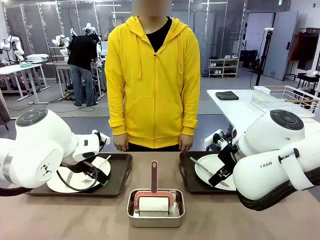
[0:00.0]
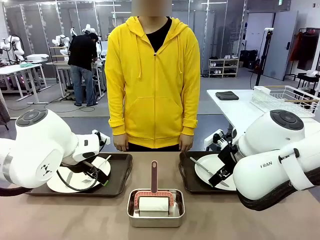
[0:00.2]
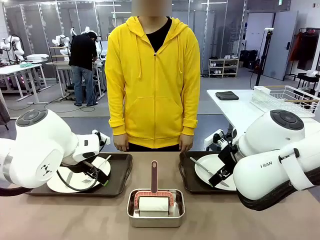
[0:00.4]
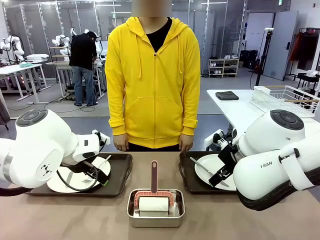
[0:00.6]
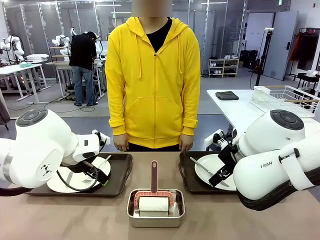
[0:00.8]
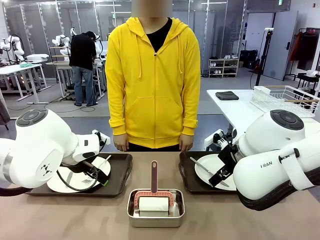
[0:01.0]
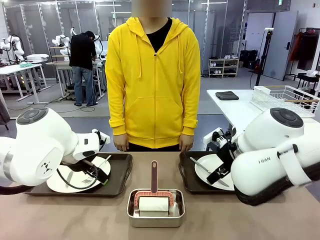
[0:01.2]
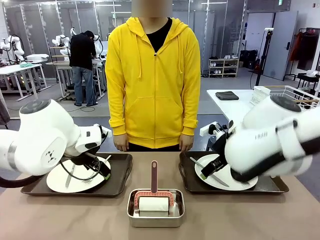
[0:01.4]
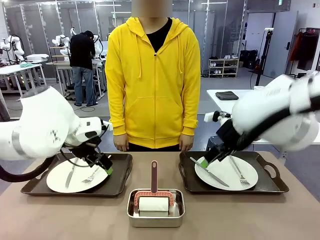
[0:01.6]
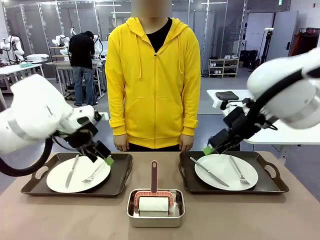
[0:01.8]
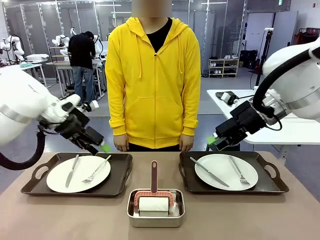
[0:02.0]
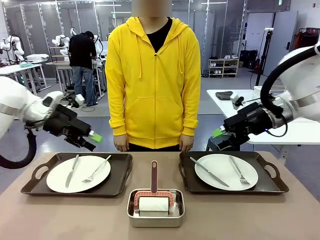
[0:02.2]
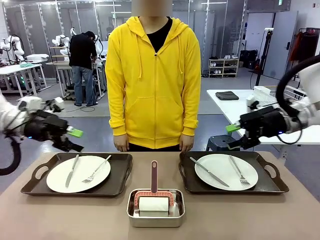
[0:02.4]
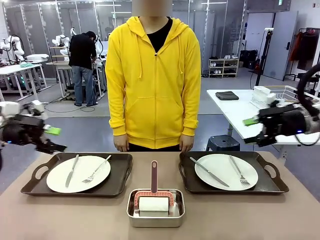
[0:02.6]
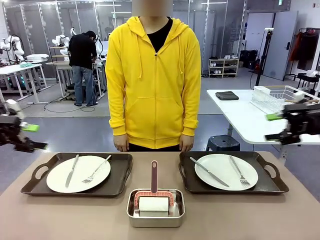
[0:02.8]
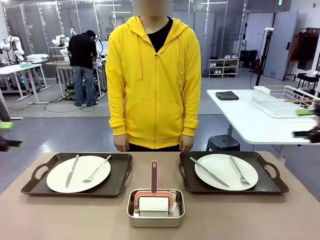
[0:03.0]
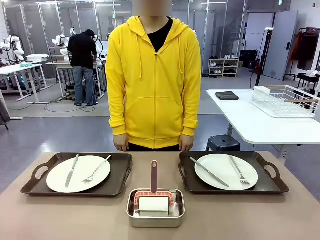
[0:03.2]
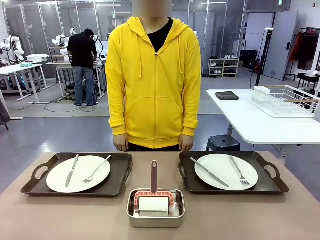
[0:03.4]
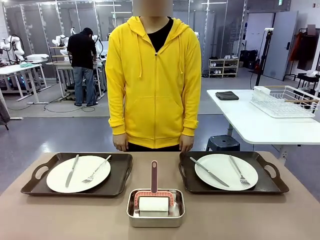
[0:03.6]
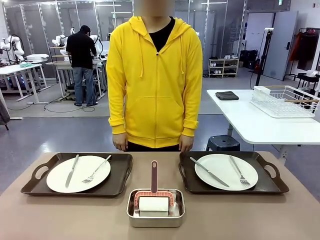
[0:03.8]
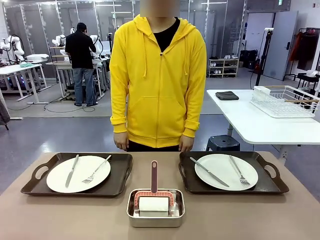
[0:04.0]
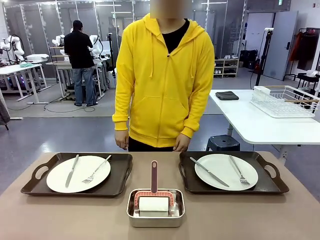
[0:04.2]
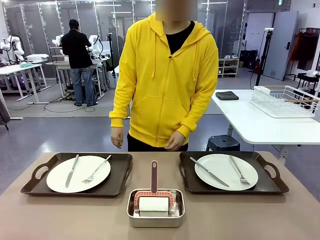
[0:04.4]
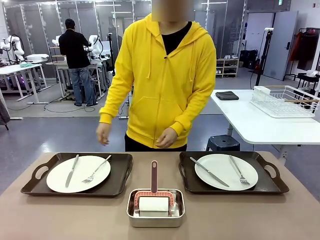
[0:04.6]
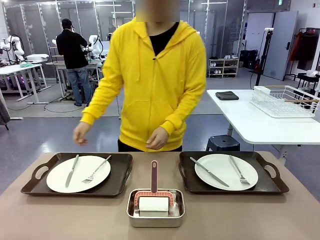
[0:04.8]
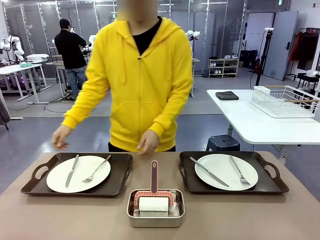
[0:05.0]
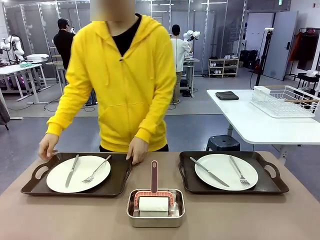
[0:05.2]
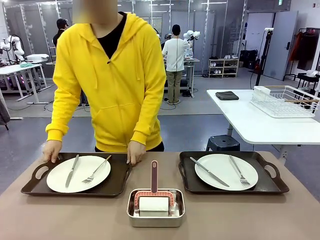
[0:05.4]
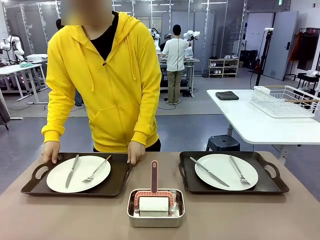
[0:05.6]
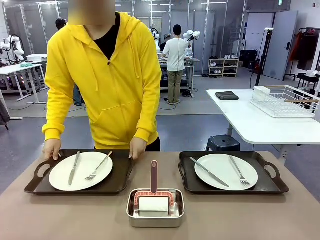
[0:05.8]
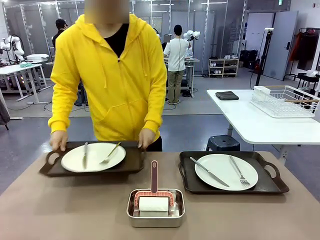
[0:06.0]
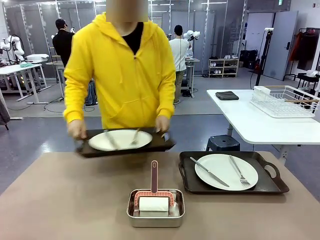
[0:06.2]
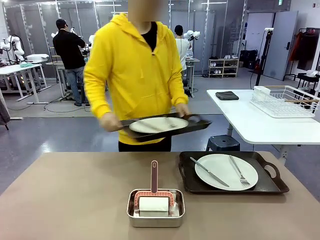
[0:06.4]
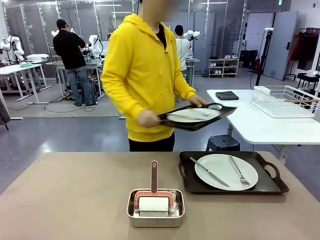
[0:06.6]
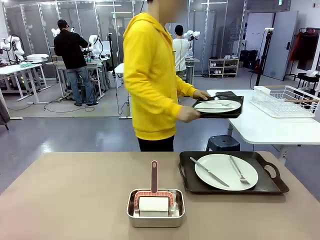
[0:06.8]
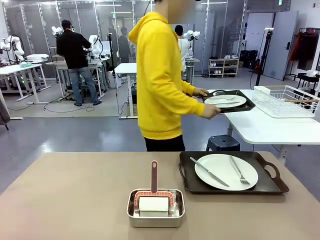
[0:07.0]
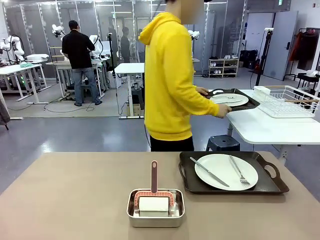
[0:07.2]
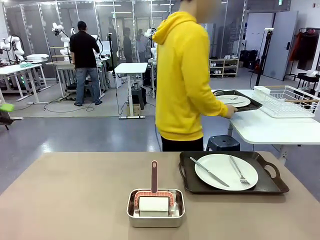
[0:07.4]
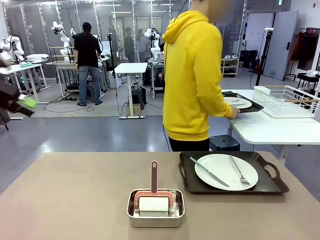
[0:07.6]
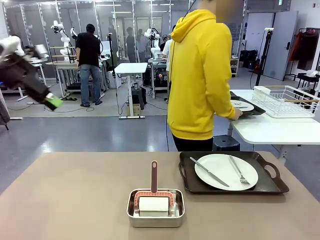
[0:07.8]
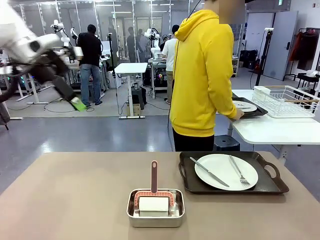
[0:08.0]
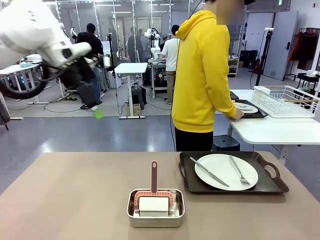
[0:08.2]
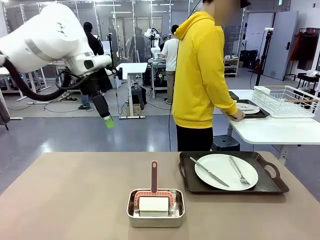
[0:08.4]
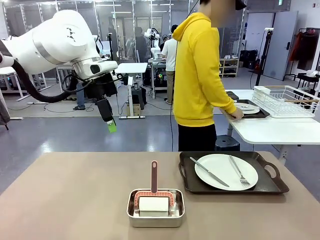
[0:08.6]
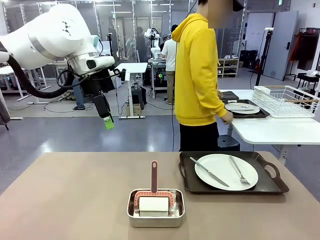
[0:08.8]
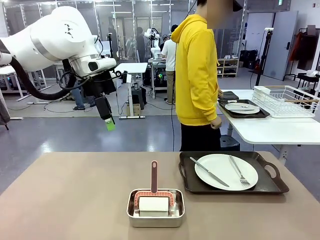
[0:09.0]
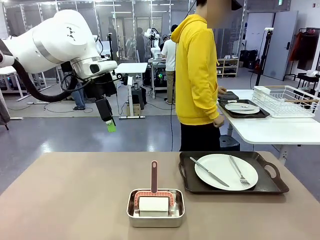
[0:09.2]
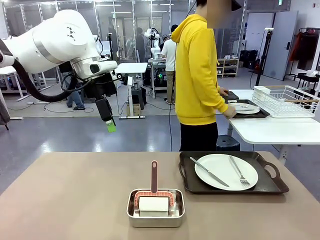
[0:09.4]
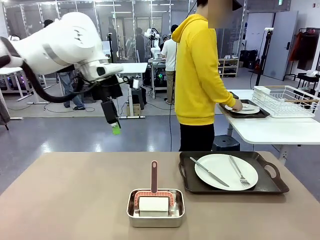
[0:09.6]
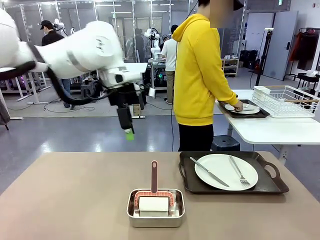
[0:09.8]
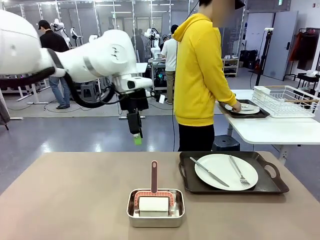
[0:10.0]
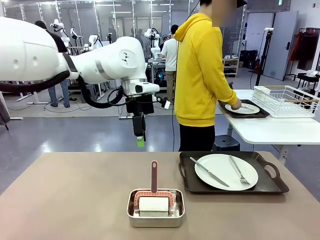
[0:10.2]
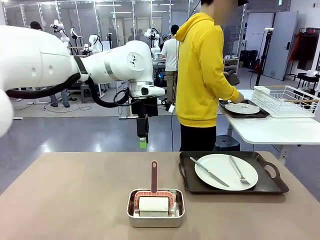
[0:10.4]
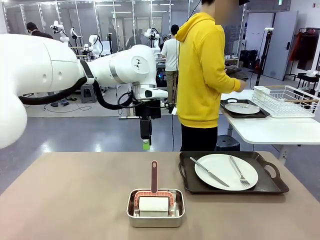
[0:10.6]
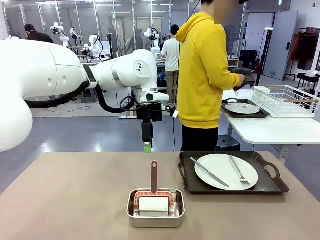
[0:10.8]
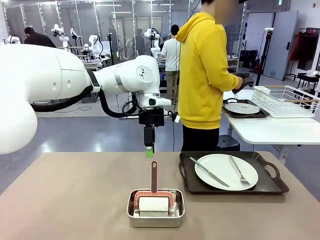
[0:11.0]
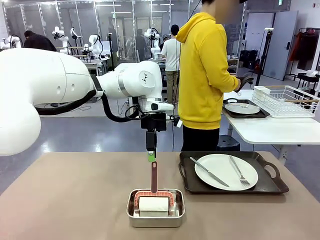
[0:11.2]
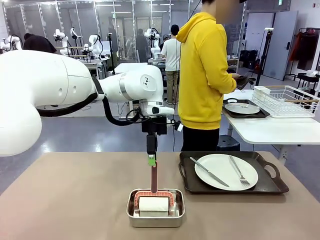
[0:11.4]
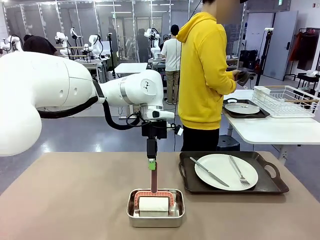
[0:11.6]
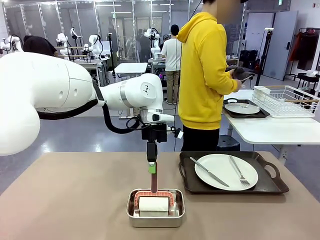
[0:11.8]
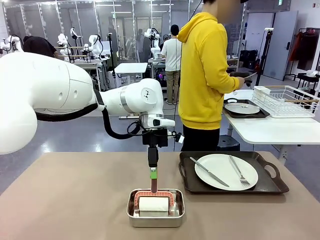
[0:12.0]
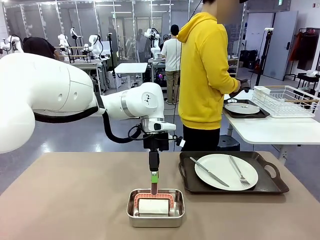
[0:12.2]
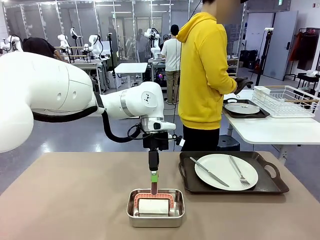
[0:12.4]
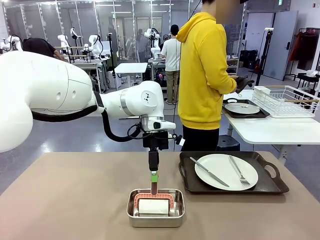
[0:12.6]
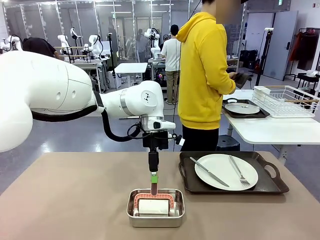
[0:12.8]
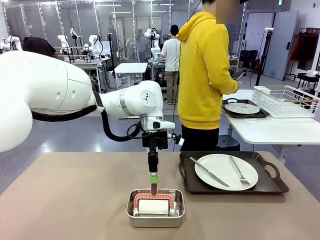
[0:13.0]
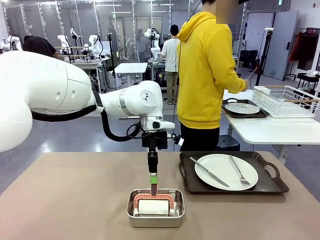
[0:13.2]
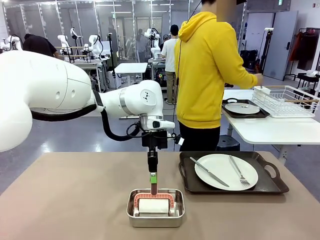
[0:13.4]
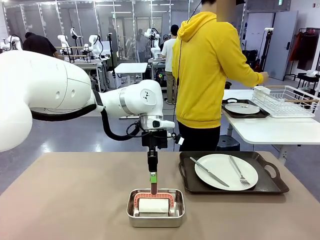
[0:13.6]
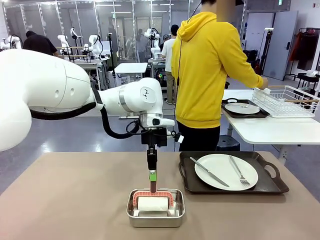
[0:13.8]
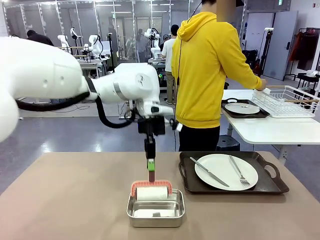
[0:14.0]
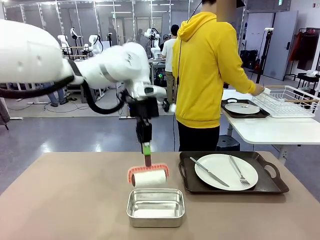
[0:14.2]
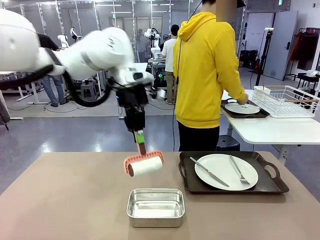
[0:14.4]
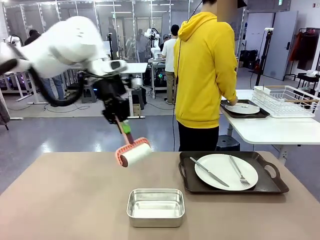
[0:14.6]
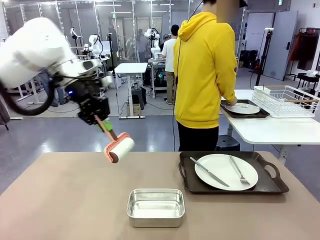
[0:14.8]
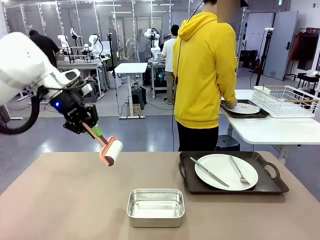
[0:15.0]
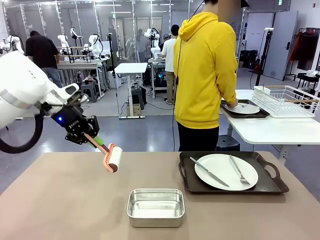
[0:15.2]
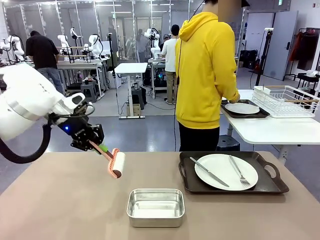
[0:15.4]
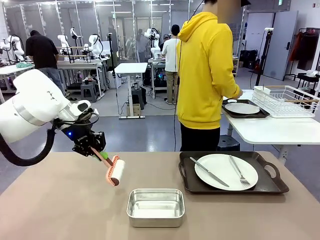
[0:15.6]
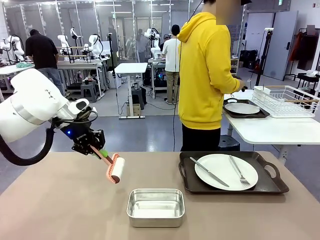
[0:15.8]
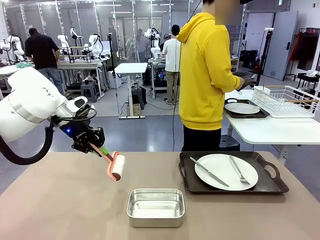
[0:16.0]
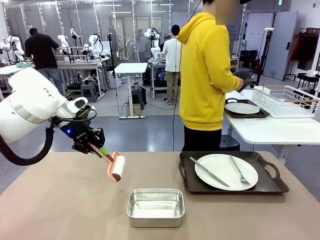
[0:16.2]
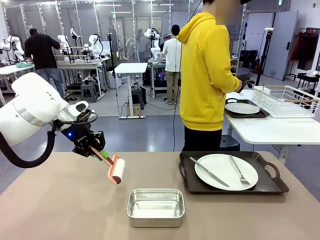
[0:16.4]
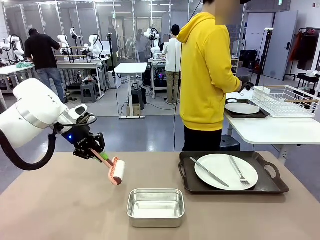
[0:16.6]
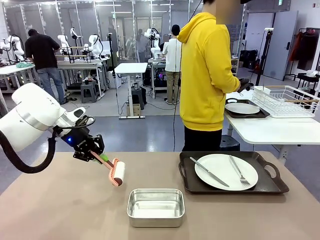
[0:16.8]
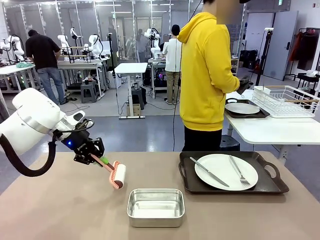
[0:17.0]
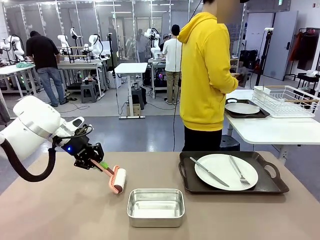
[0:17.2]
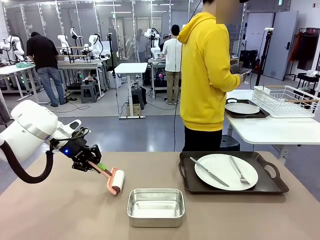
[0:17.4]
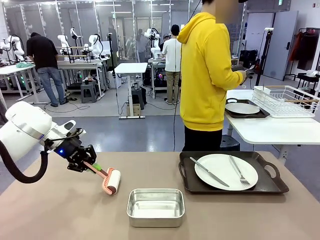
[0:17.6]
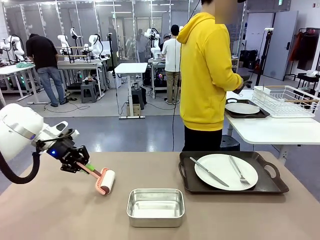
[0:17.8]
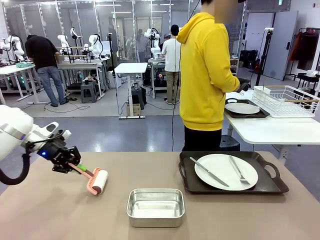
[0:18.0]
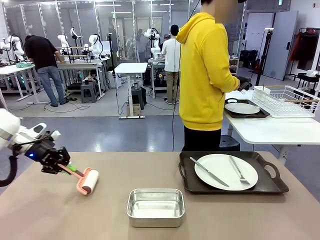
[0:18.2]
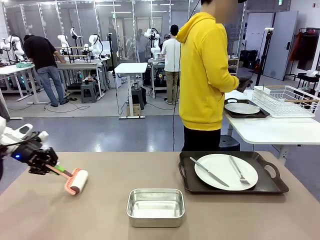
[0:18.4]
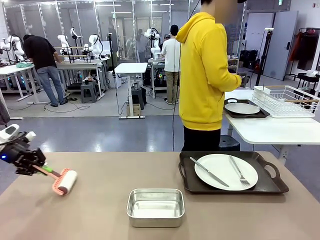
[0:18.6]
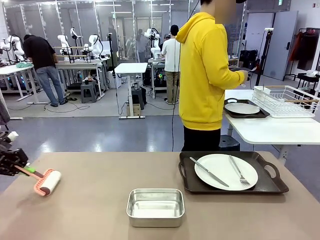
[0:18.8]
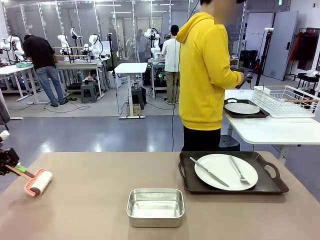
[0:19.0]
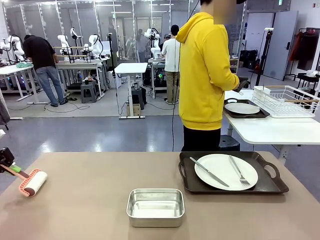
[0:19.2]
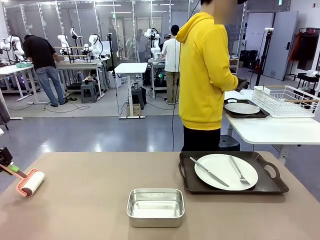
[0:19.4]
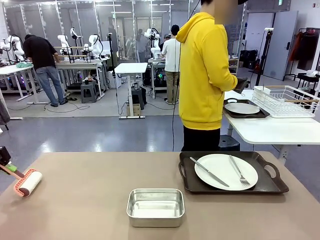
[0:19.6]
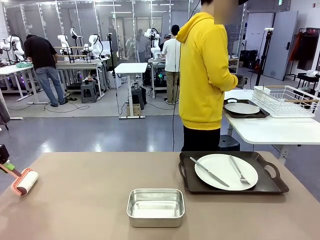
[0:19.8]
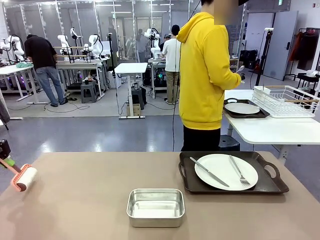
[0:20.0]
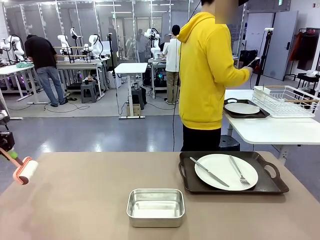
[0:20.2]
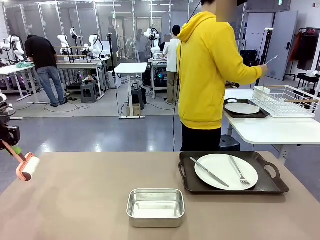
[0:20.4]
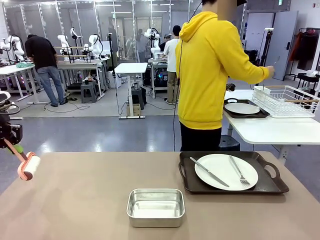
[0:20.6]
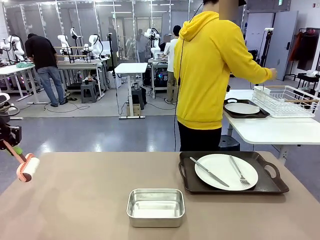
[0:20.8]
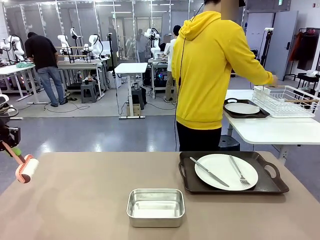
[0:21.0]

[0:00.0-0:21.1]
Robot: When the left (or right) Handle tray is removed, use the left hand (or right hand) to clean the left (or right) side of the table with the Lint Roller.
Person: Pick up the left (or right) Handle tray and place it on the middle of the Human's table. Use the Towel with hook to wipe the Plastic Matte Plate , Fork , and Knife and place into the Dish drying rack.
